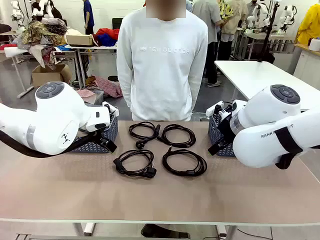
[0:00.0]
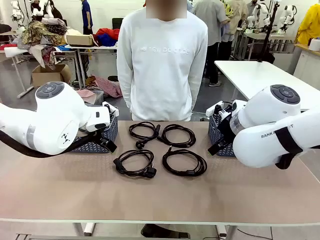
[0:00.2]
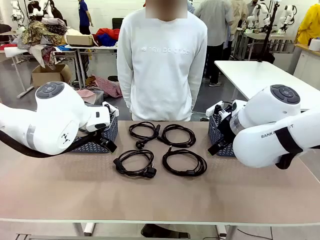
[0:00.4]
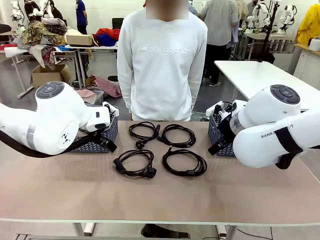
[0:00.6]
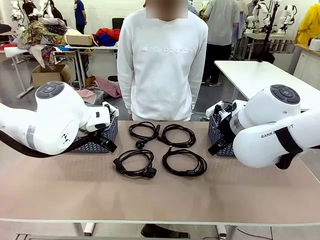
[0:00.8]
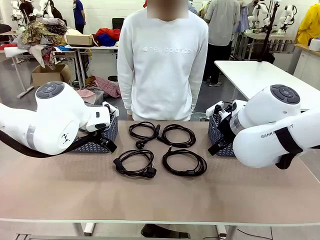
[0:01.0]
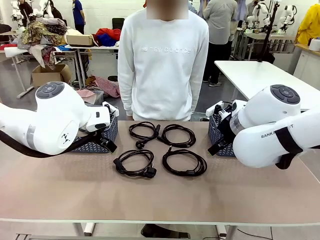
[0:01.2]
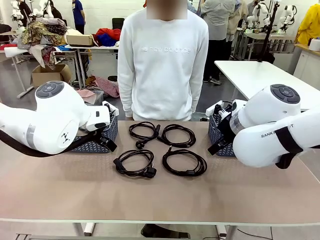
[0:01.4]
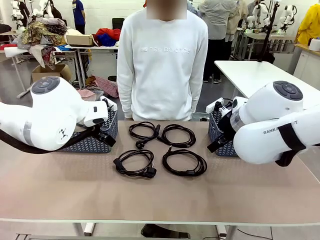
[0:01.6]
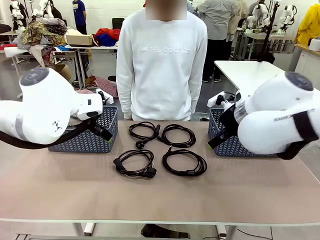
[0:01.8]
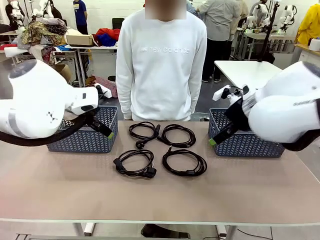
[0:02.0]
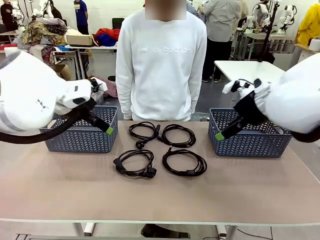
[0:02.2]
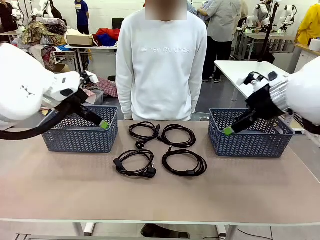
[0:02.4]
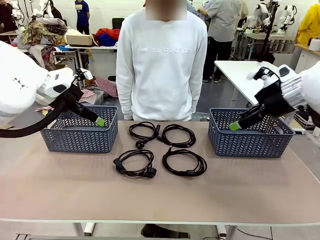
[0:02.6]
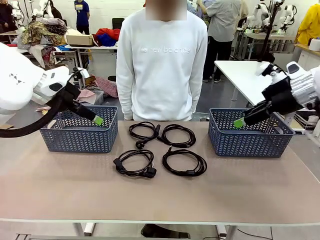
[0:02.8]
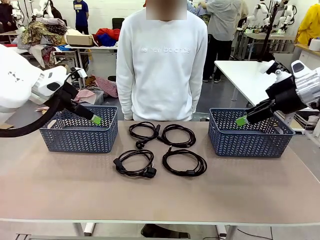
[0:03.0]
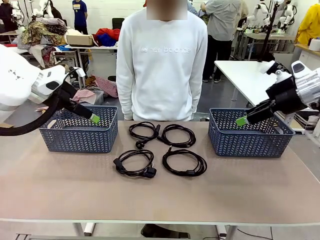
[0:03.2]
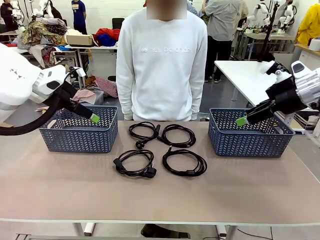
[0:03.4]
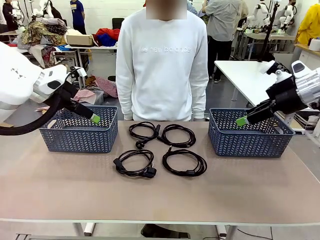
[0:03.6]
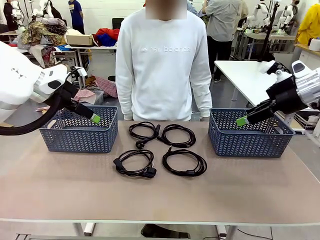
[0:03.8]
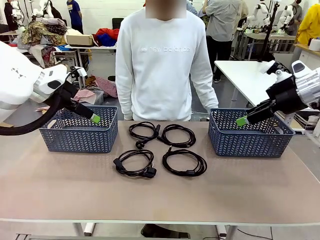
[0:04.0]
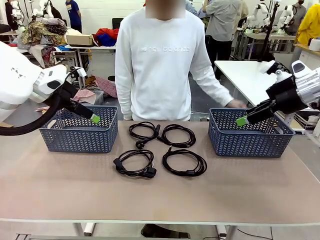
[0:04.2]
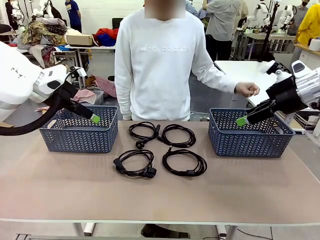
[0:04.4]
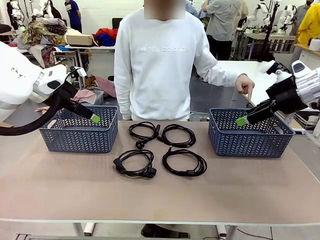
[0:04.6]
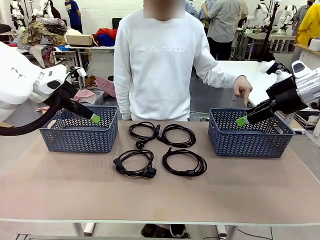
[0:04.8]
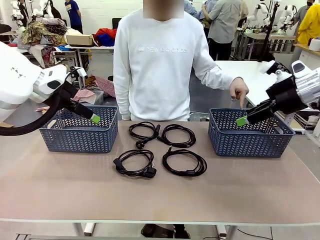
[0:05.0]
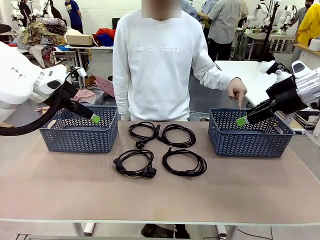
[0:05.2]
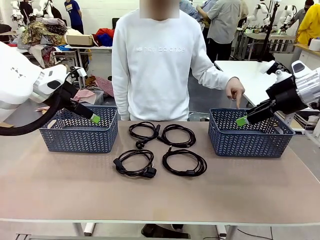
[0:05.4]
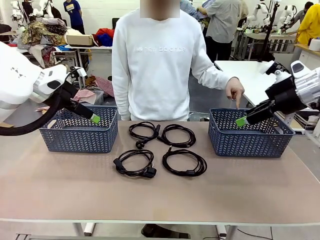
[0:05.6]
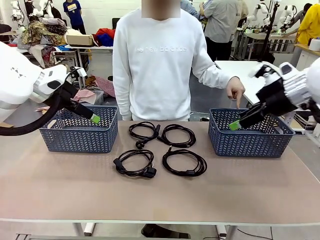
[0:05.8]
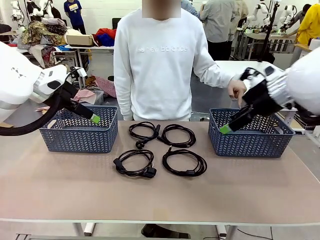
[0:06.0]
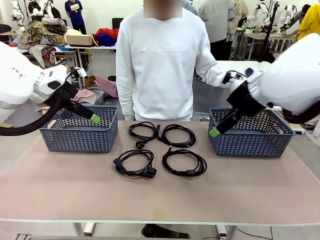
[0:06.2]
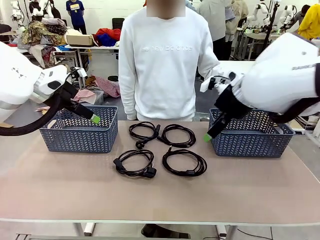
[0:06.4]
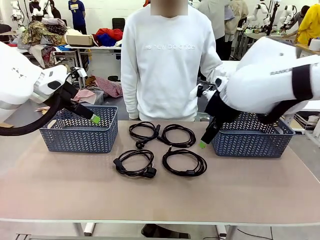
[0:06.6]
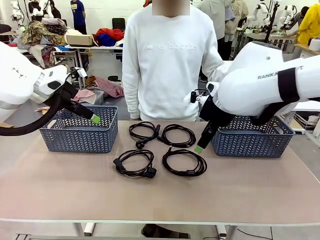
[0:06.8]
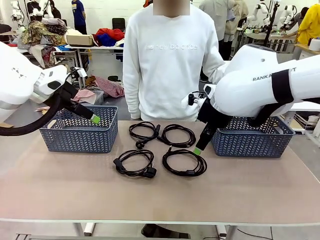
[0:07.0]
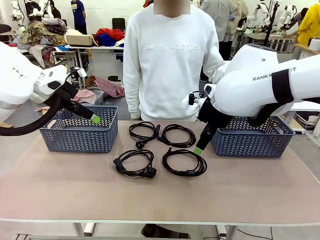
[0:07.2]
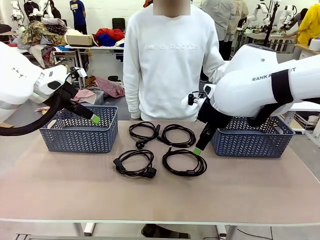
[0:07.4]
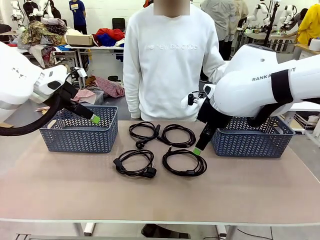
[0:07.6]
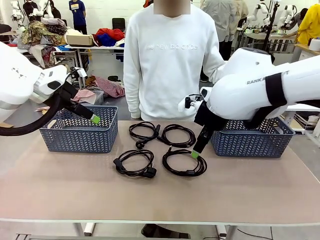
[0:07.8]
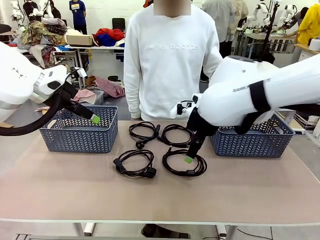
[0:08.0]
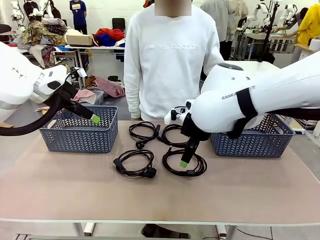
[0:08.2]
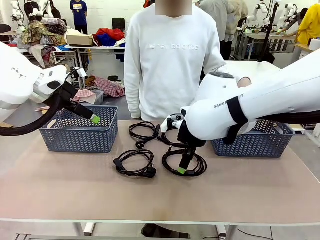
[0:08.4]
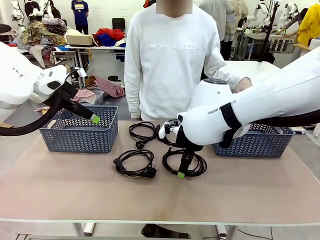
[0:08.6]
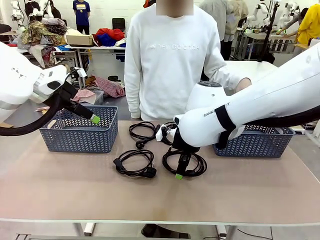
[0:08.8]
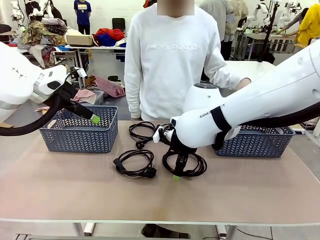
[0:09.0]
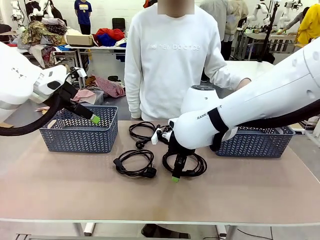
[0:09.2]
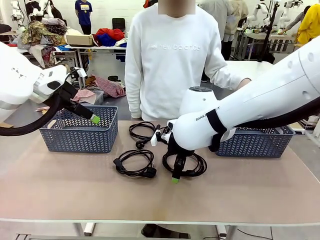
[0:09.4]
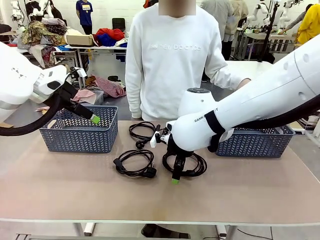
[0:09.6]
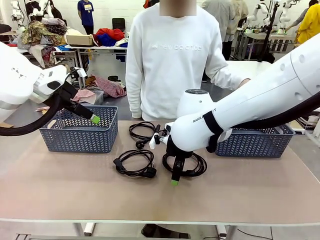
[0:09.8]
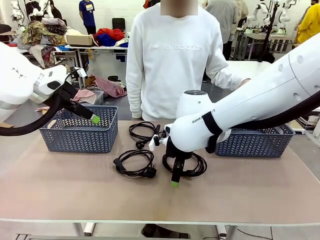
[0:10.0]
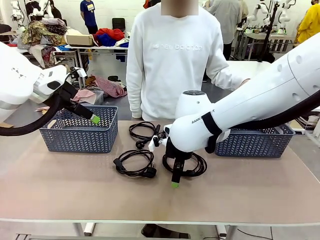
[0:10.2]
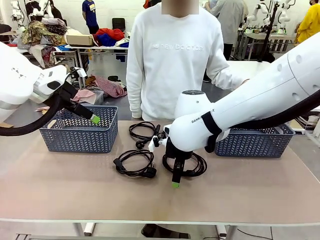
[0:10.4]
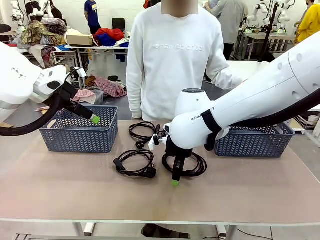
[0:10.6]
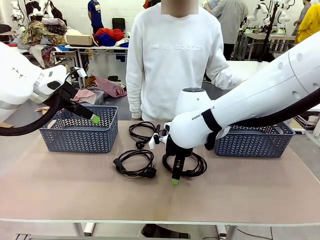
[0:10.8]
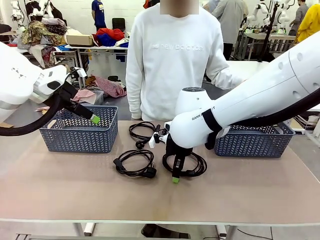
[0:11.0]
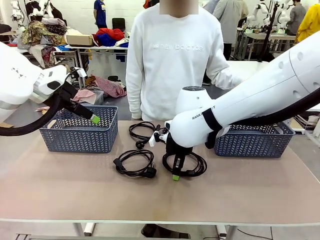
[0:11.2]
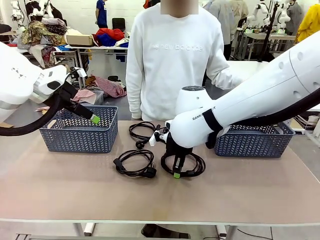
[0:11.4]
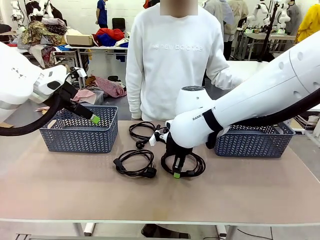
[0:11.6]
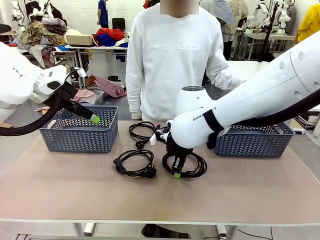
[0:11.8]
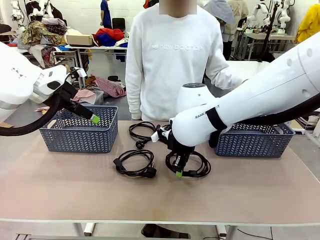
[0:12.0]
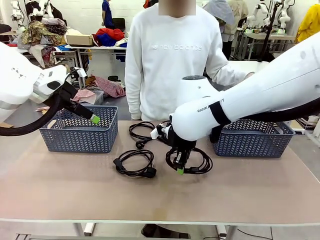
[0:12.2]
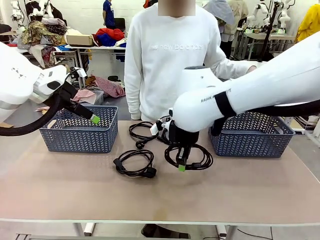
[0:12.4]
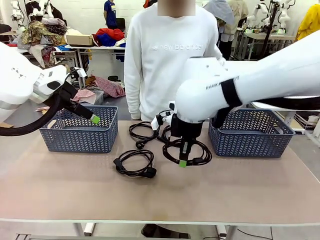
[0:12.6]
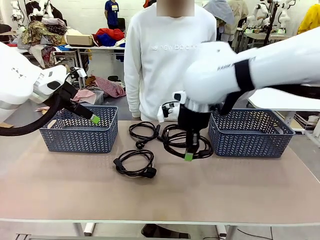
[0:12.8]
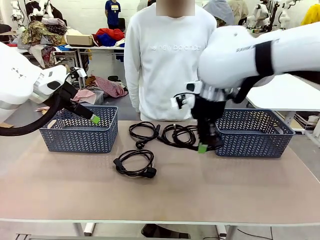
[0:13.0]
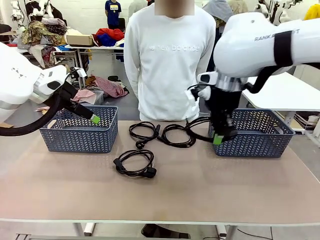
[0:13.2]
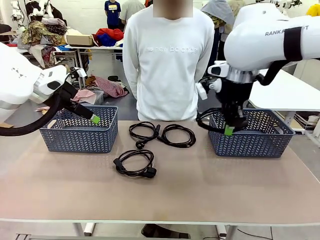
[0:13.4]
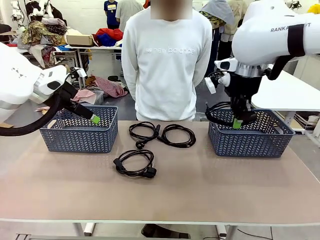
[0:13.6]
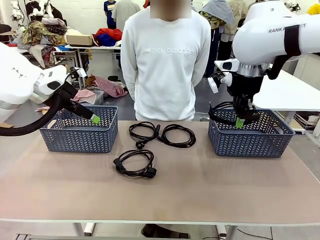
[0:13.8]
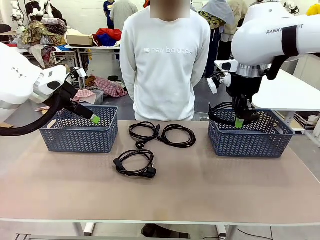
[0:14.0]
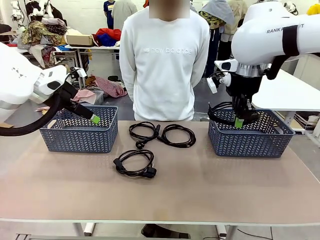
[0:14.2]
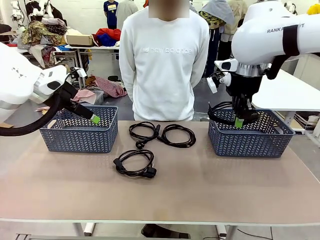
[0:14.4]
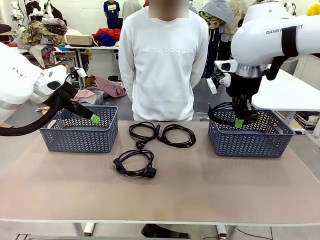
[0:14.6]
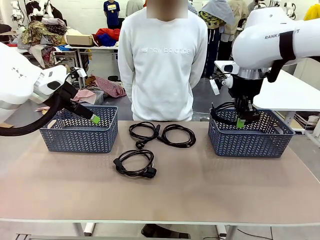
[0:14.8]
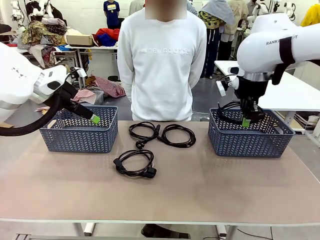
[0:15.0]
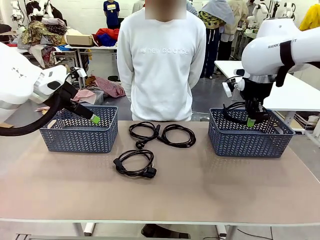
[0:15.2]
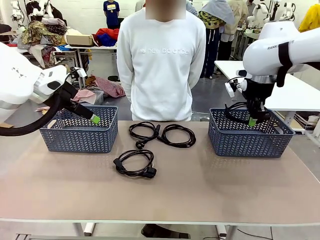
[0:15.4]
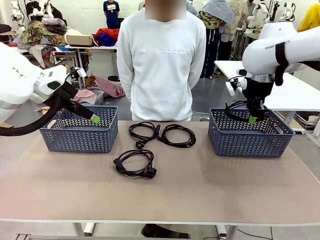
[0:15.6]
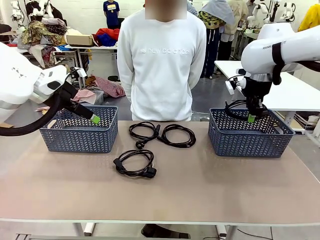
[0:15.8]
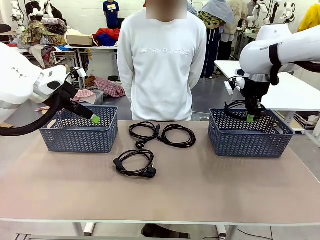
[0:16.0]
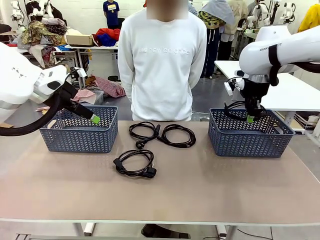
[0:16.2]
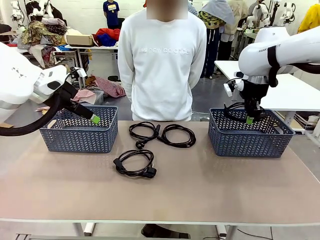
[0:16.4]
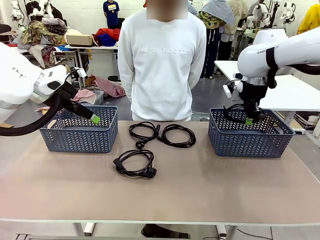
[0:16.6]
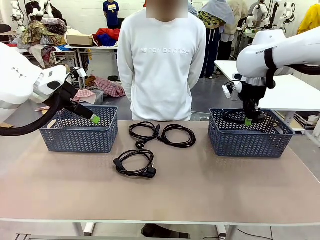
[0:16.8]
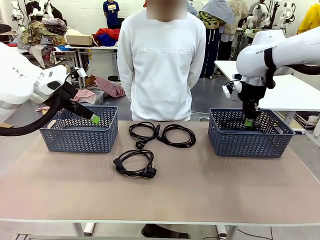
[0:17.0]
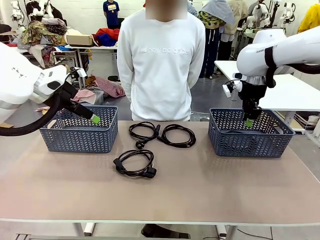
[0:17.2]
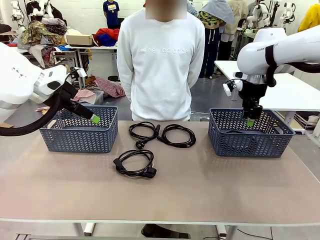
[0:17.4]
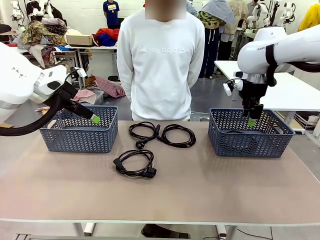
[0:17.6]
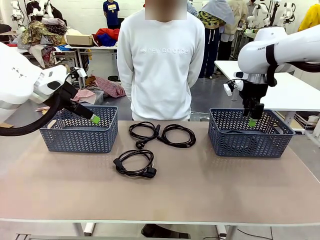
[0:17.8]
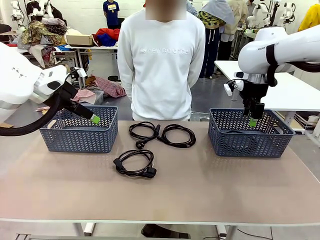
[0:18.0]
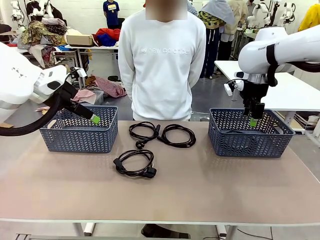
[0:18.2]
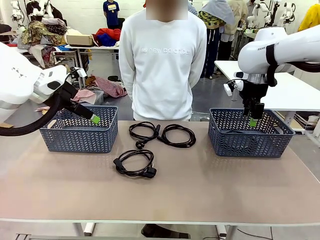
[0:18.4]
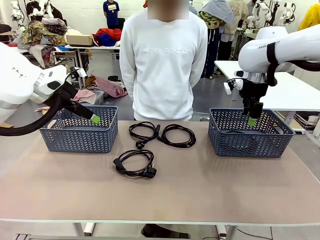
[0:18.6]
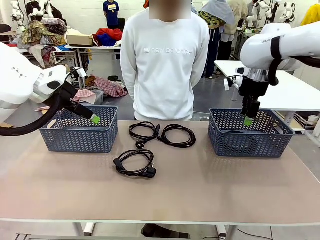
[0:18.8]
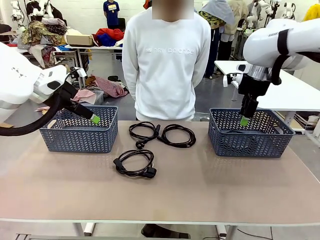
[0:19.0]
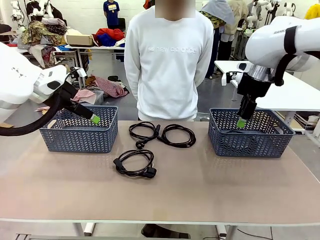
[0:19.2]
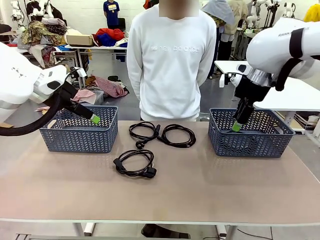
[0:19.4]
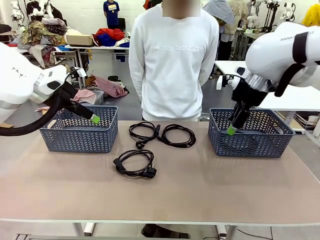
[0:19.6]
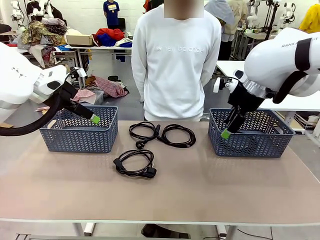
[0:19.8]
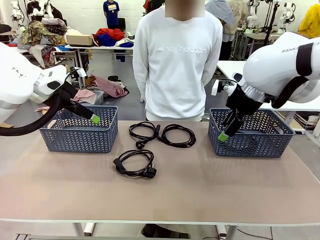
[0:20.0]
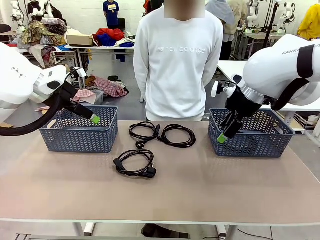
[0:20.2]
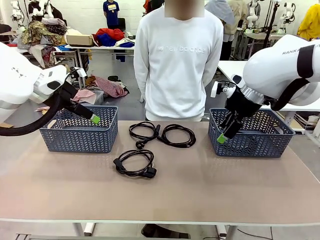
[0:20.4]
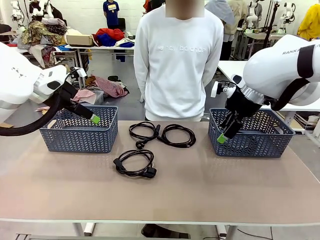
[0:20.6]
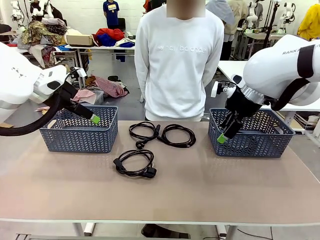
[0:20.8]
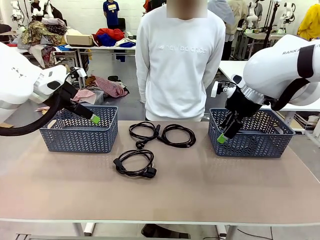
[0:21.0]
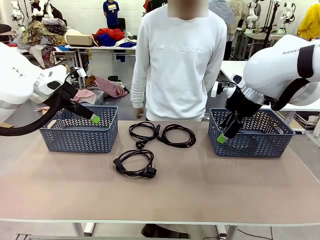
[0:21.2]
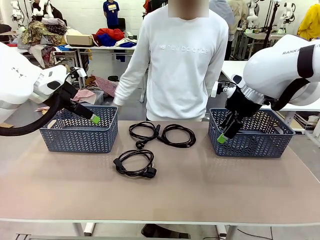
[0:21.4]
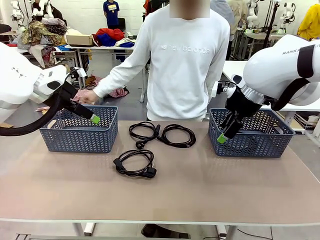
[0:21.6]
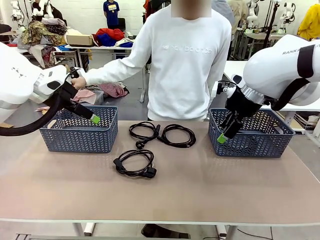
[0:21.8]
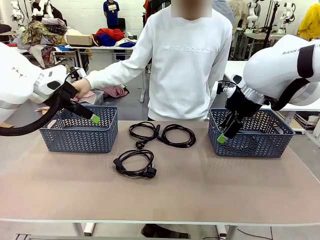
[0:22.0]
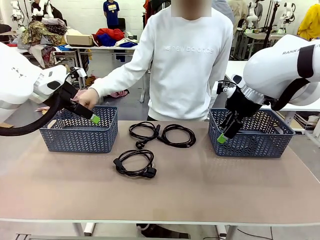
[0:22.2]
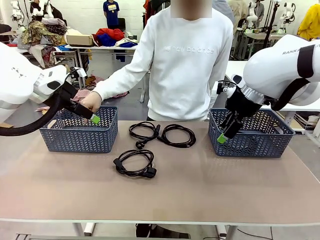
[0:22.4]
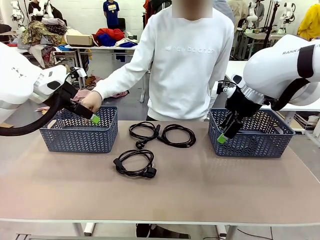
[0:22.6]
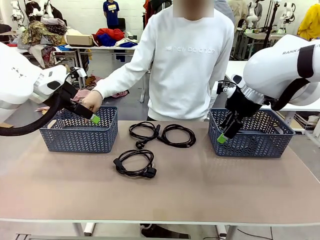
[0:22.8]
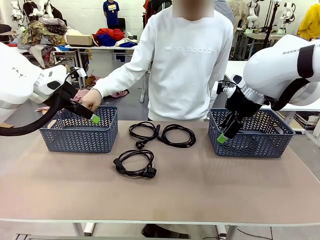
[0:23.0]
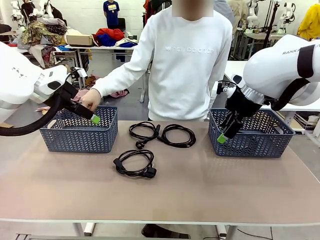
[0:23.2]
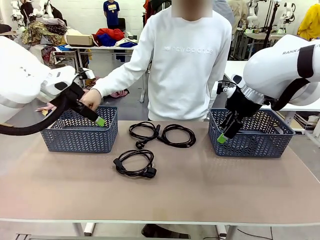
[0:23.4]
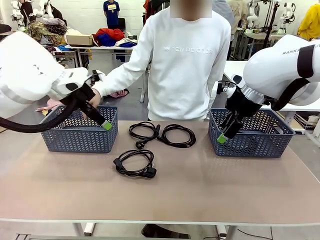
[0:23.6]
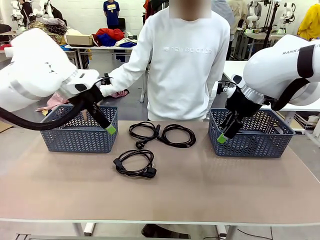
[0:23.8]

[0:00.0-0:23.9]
Task: Organize the cables according to human instructions.
Robot: Pick up a bundle of cables and place it in the basket indicated by the human.
